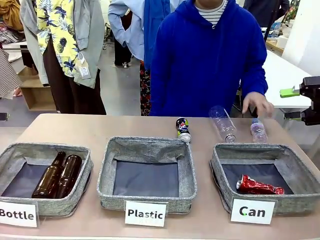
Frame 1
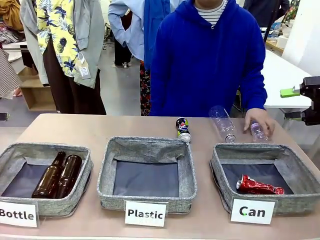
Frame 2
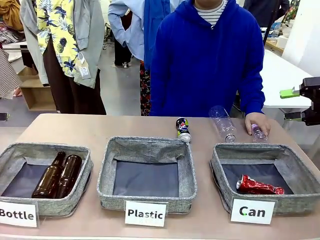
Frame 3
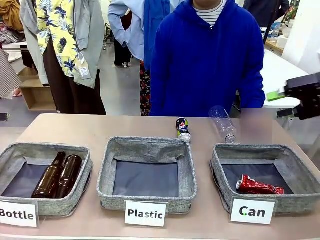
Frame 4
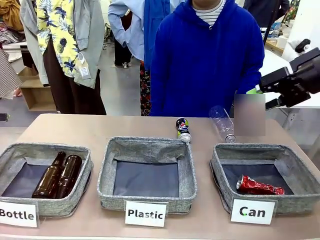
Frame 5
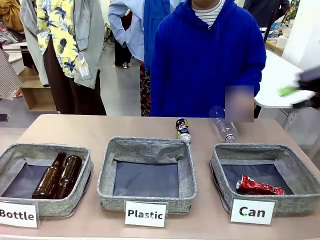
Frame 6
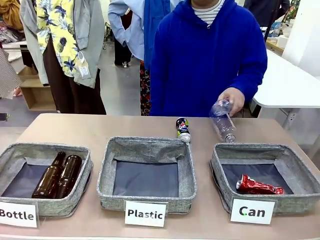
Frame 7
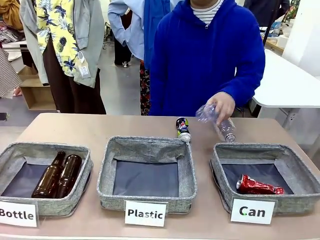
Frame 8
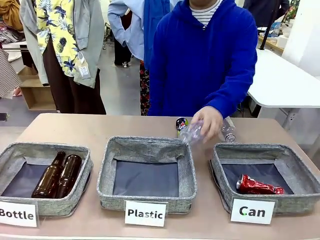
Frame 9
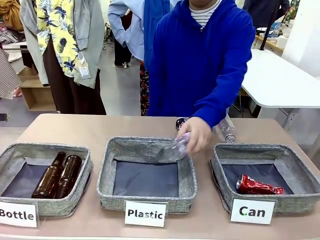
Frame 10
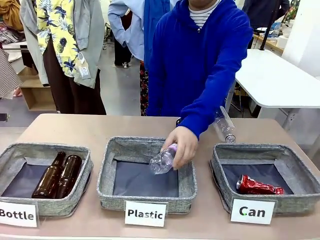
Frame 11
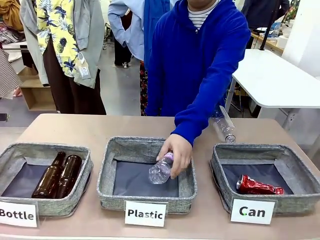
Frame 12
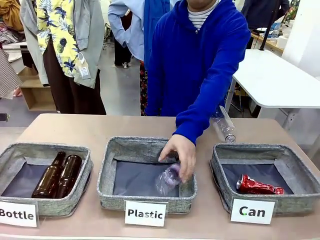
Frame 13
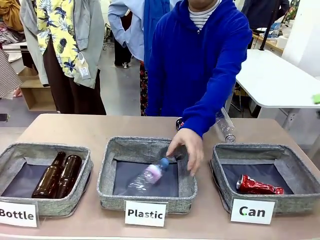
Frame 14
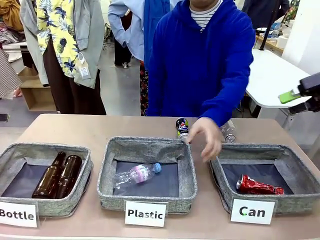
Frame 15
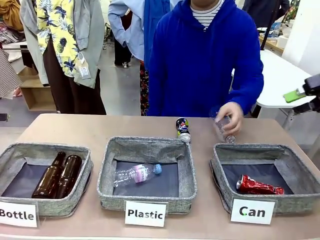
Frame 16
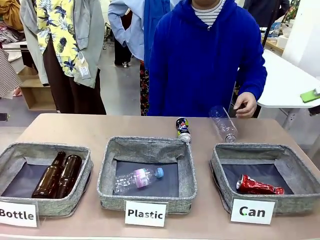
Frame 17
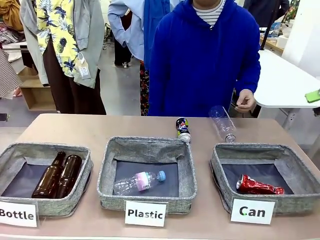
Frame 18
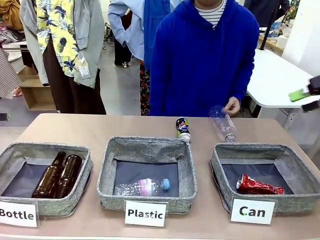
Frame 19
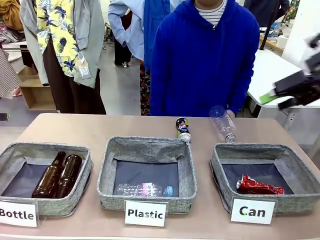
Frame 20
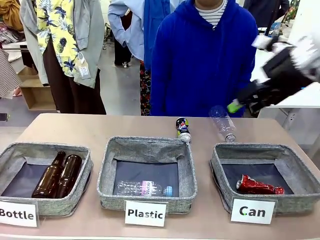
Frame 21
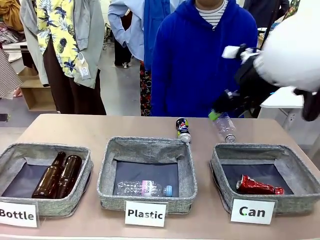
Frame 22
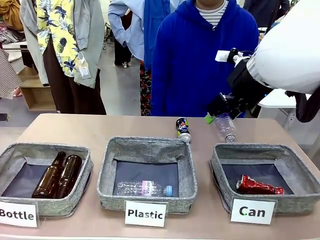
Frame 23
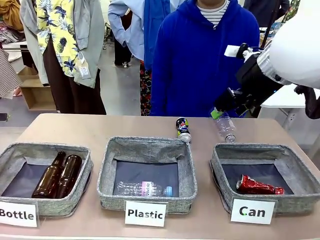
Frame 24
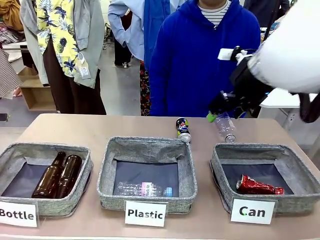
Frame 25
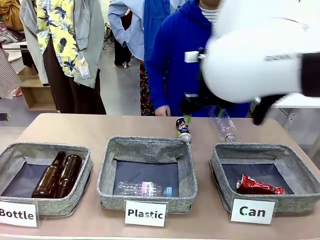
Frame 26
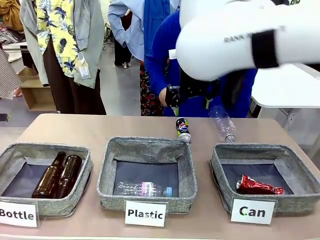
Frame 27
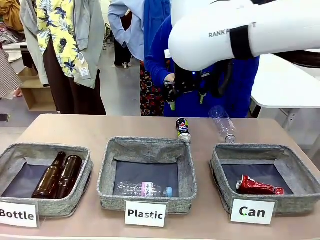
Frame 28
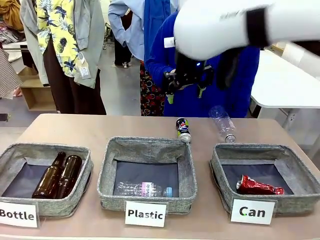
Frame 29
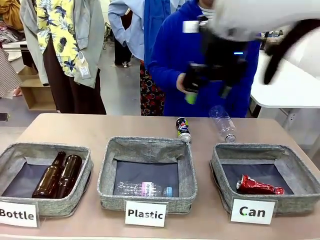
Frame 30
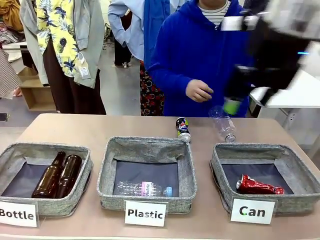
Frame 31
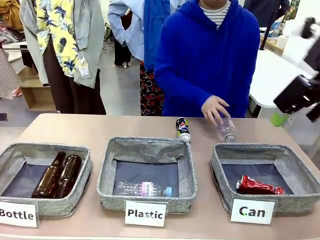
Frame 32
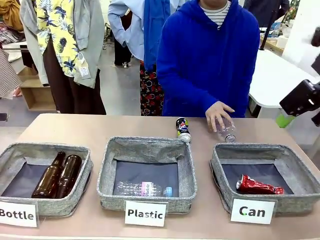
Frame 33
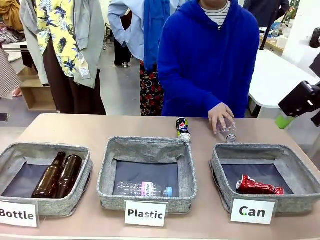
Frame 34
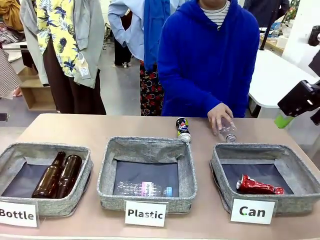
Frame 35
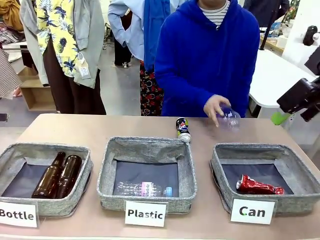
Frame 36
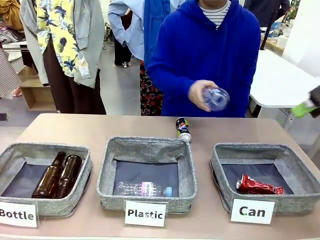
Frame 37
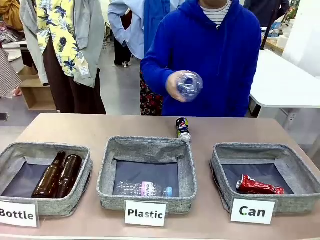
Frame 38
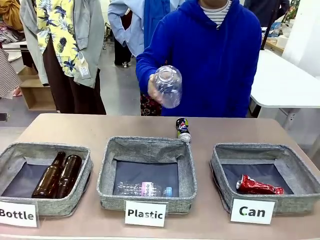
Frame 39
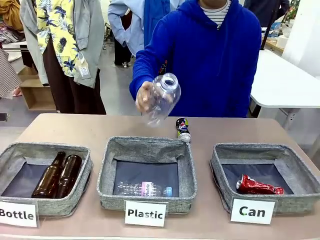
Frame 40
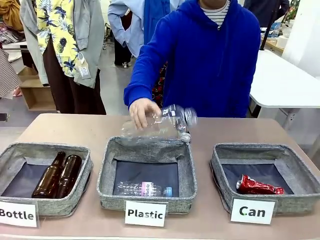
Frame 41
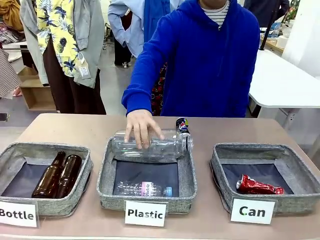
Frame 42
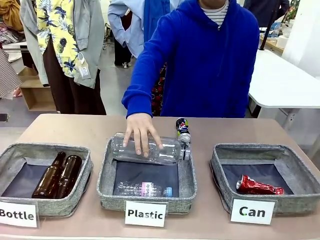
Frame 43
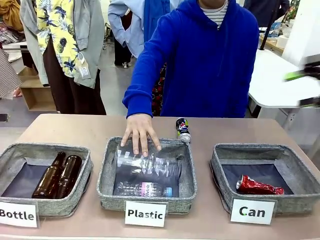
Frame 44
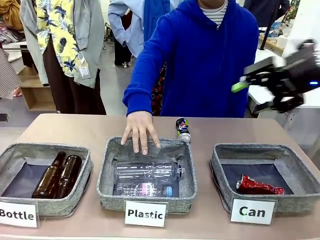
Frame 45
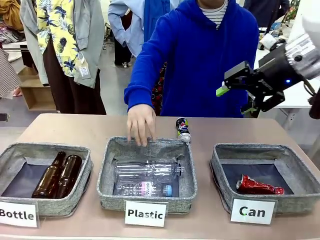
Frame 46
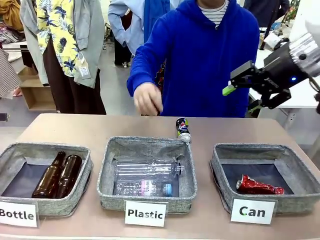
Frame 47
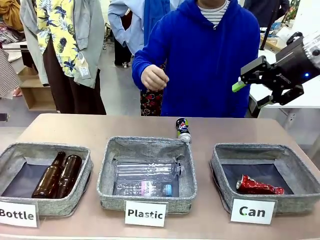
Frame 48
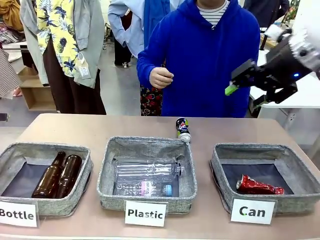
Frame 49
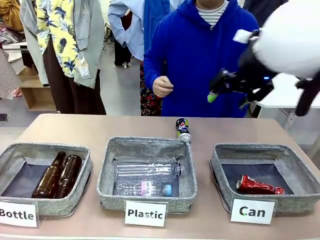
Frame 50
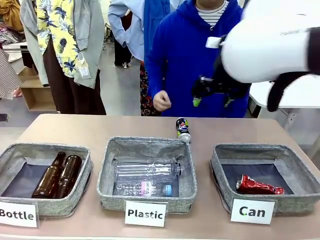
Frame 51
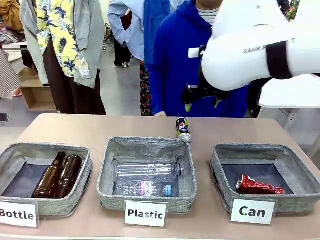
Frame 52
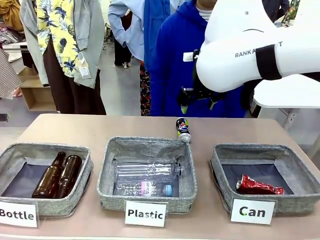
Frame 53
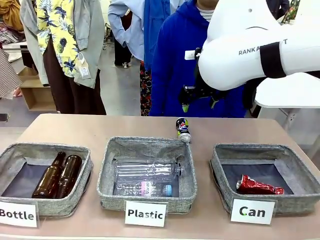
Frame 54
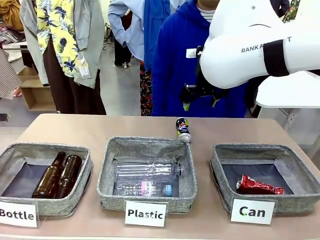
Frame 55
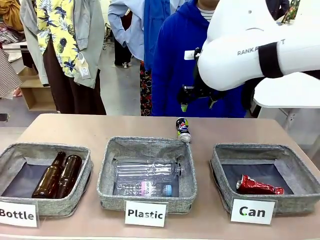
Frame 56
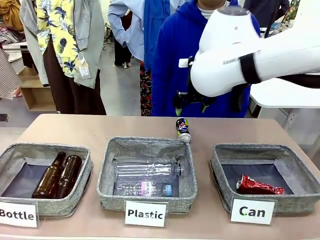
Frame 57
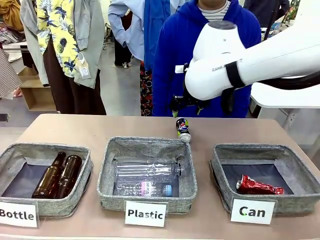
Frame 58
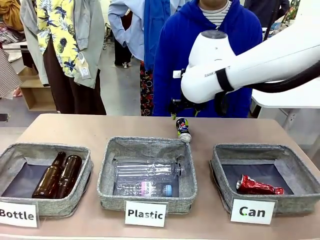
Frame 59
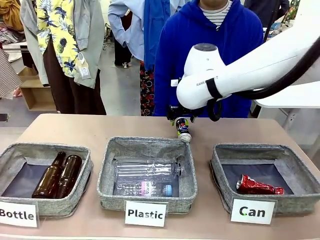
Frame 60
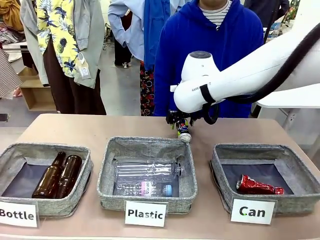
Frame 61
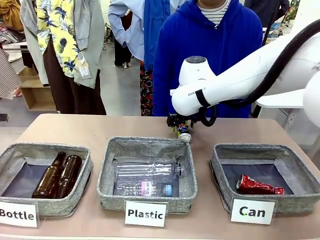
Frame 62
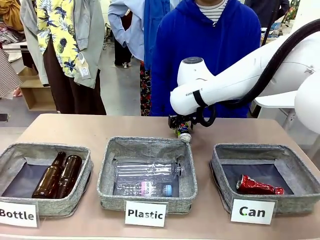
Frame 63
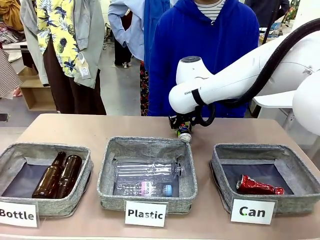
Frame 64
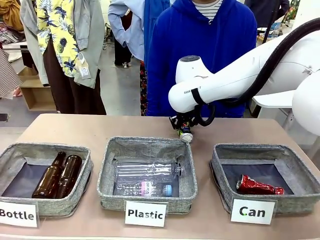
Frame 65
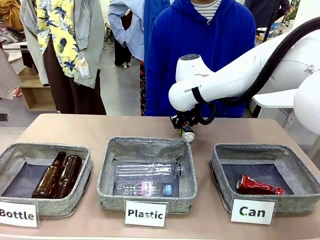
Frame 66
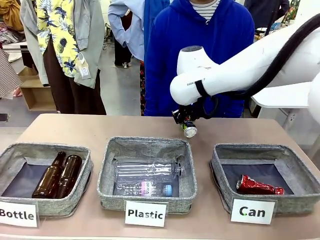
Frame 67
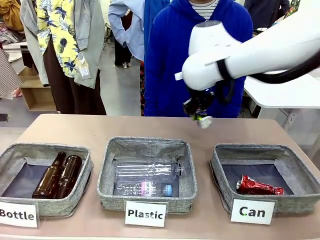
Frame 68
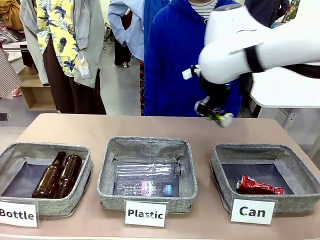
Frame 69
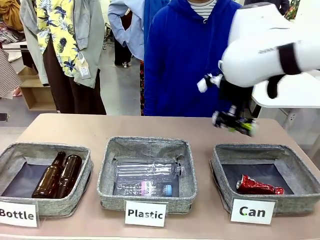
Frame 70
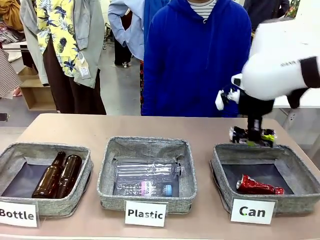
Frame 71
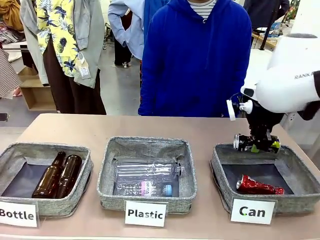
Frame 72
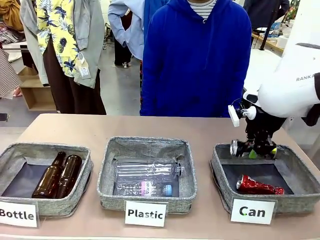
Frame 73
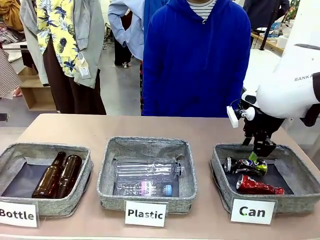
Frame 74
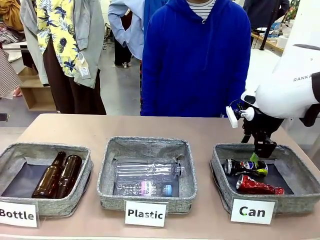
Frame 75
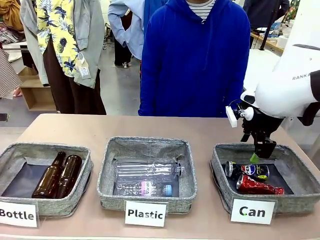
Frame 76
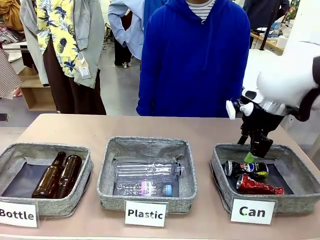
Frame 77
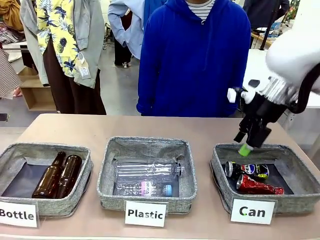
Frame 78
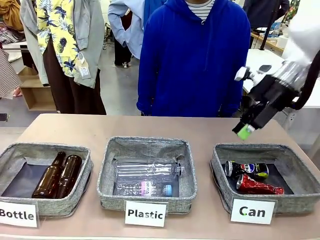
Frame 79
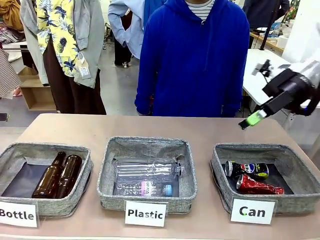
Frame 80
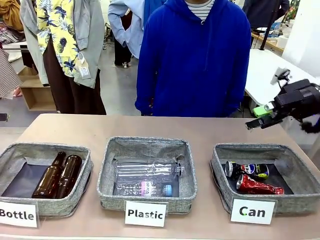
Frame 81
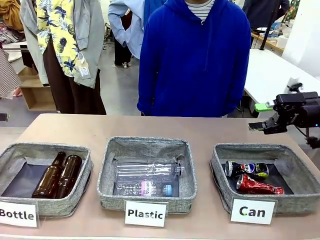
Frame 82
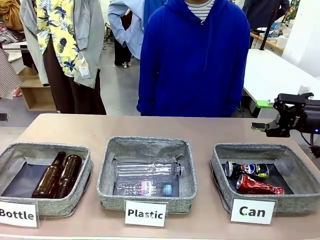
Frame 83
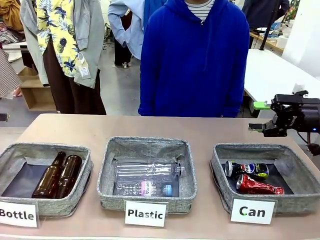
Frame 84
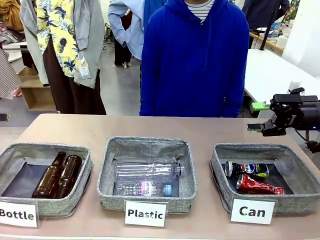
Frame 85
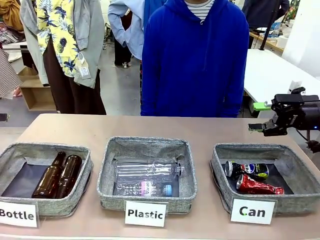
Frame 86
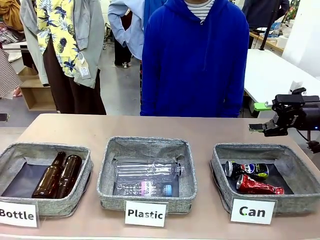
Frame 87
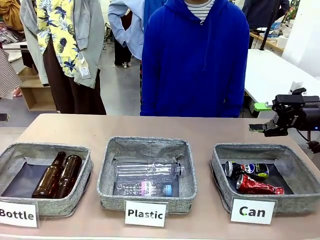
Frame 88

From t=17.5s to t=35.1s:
Task: Sort the can waste into the basket.
Robot: Pick up the can waste from the table and place it in the right Fabric basket.
Person: The human picks up one piece of trash that is not a can and places the trash into the appropriate organizing basket.

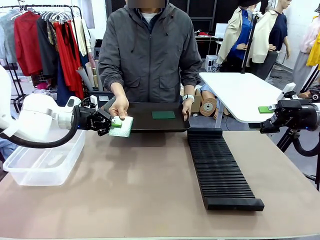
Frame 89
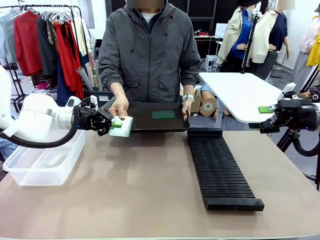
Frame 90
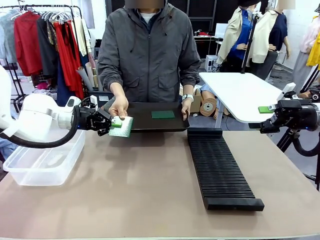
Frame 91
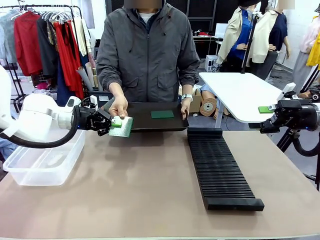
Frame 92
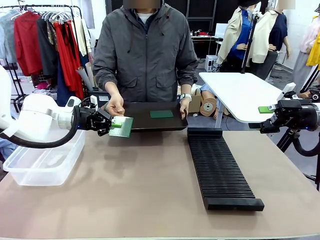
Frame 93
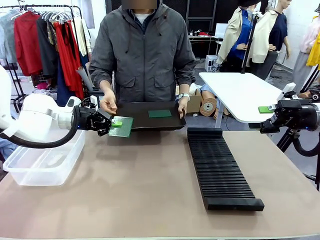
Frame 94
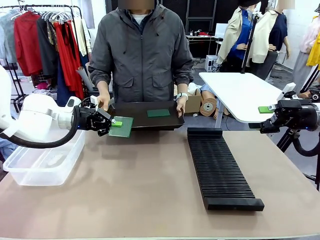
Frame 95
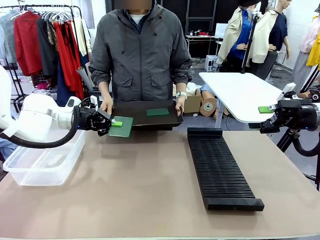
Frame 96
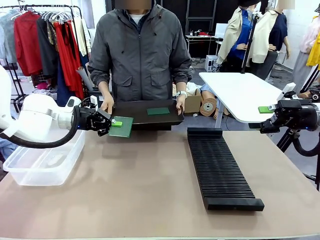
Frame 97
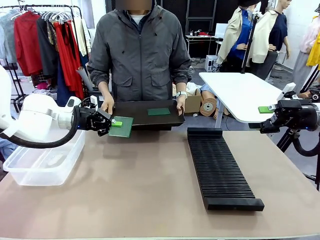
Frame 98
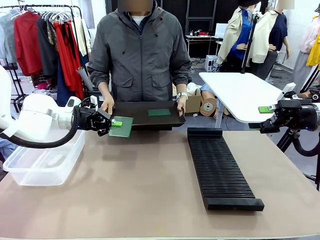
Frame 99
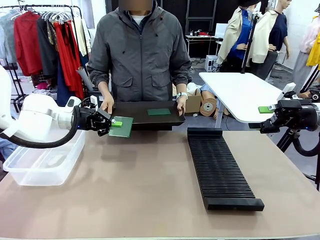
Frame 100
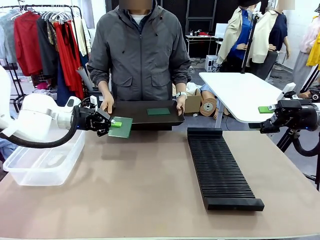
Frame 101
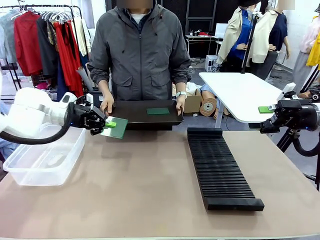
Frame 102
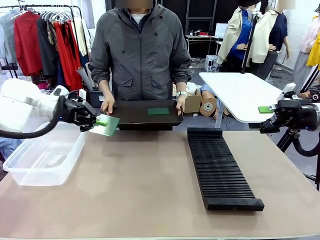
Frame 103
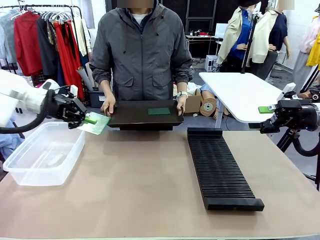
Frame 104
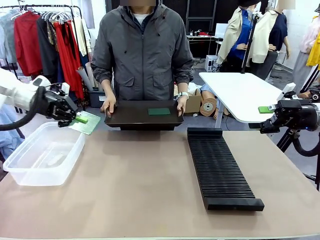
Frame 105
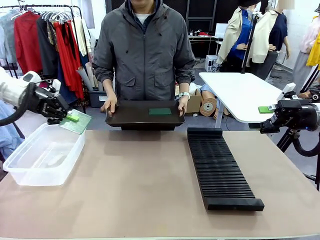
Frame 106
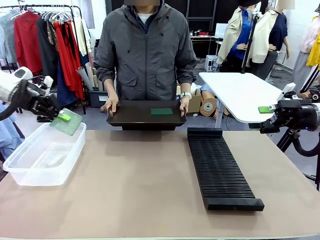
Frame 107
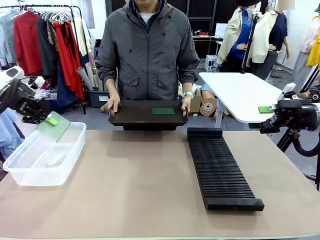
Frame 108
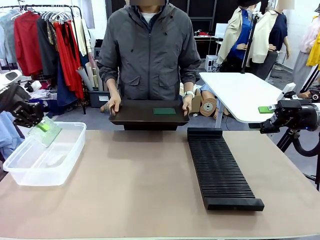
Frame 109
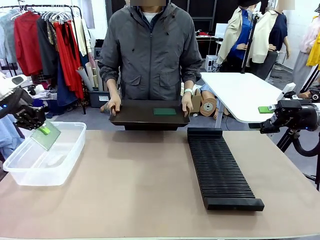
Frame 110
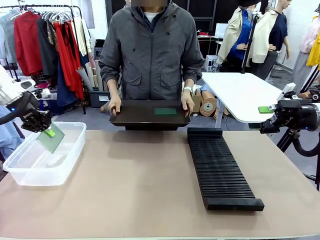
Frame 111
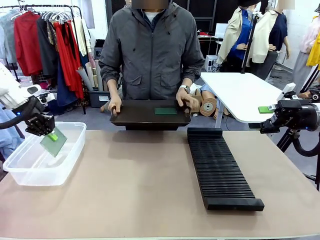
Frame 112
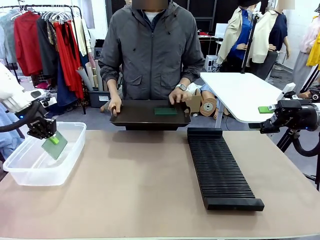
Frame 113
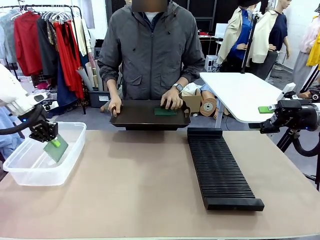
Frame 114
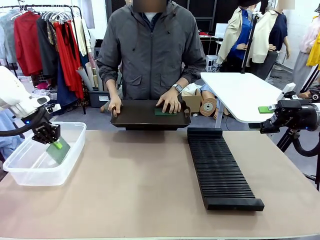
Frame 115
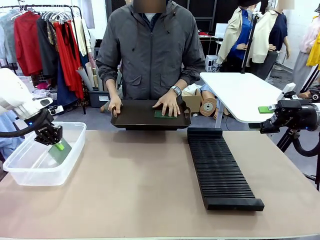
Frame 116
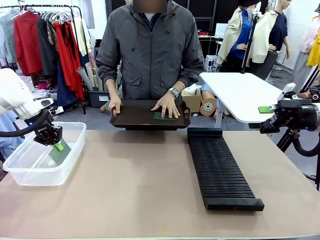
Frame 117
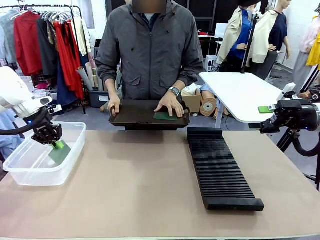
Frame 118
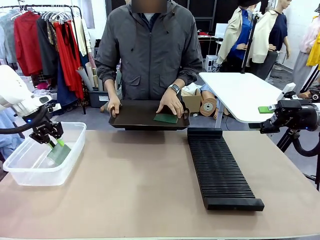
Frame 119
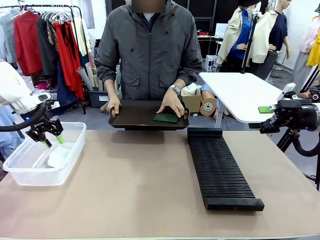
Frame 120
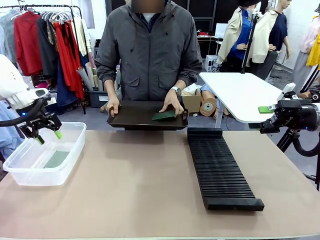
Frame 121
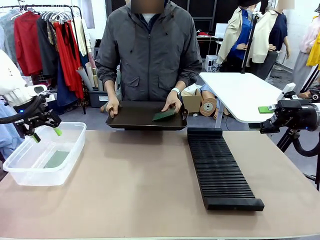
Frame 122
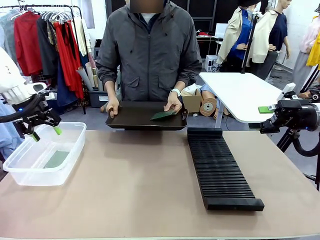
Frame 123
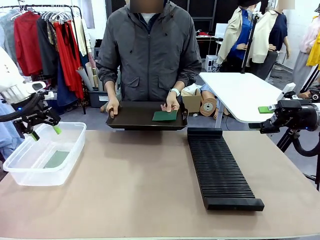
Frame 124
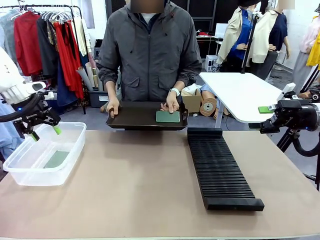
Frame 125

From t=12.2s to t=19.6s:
Task: Sort PCBs into racks and boxes based on the side picked up.
Robot: If the short side of the Blank PCB is picked up, insert it into the PCB Rack ; if the long side is picked up, place it in the Organizing box.
Person: Pick one PCB from the tray and present it to the robot.
